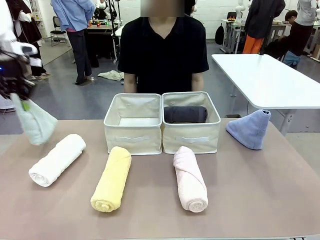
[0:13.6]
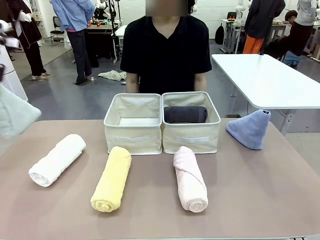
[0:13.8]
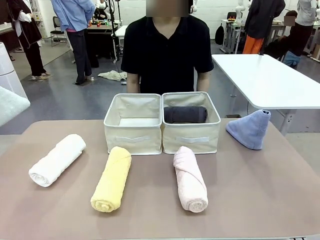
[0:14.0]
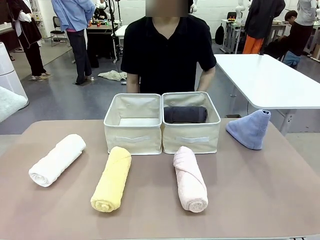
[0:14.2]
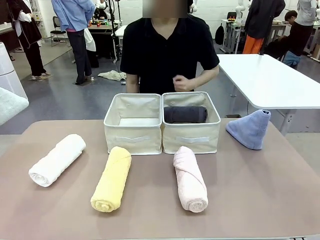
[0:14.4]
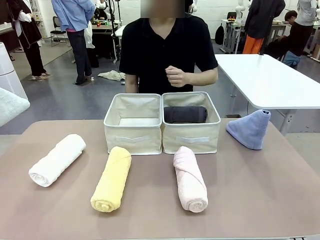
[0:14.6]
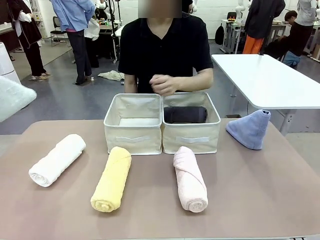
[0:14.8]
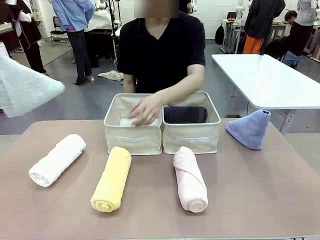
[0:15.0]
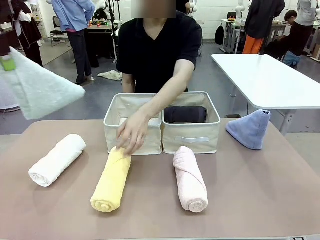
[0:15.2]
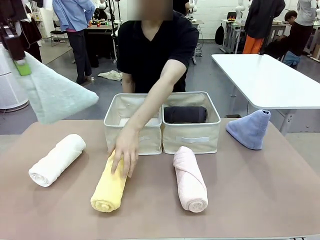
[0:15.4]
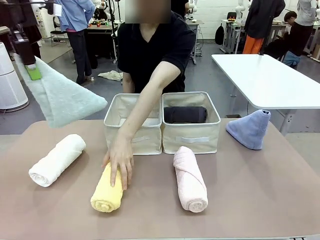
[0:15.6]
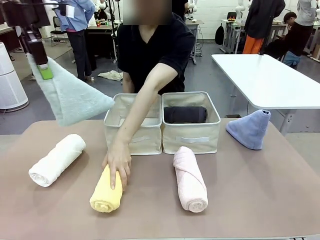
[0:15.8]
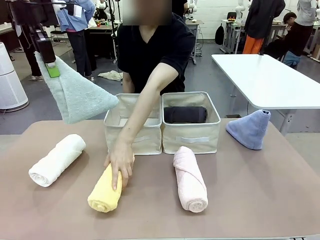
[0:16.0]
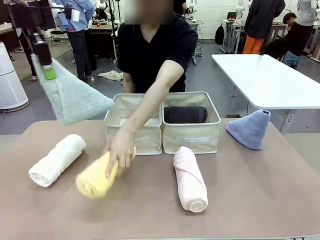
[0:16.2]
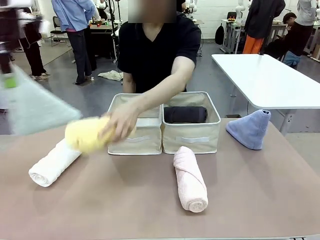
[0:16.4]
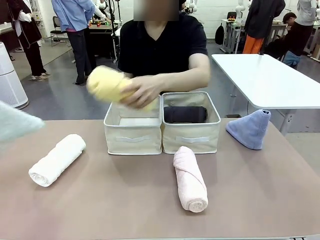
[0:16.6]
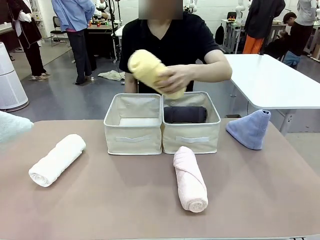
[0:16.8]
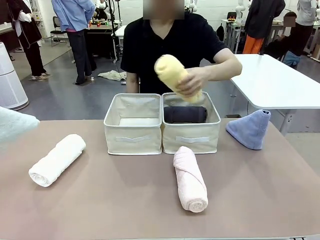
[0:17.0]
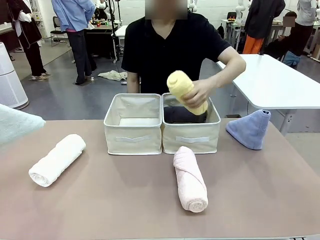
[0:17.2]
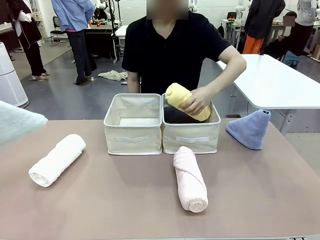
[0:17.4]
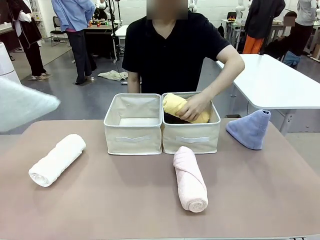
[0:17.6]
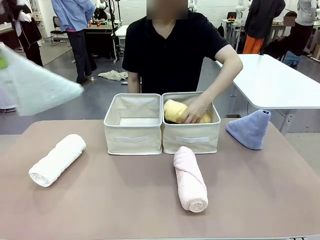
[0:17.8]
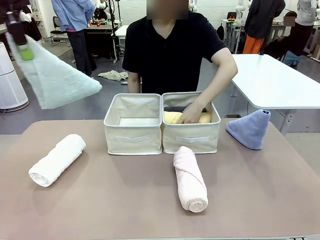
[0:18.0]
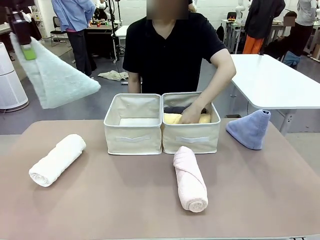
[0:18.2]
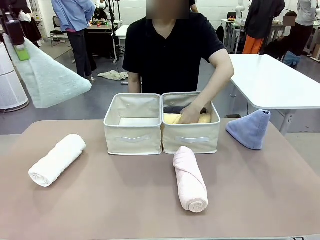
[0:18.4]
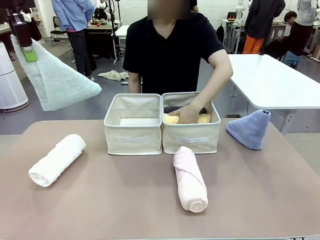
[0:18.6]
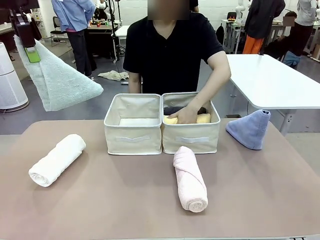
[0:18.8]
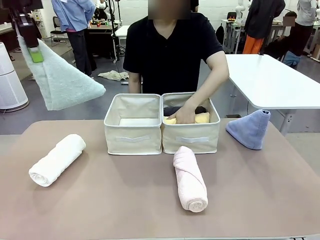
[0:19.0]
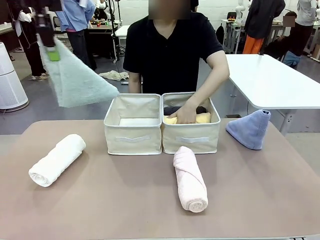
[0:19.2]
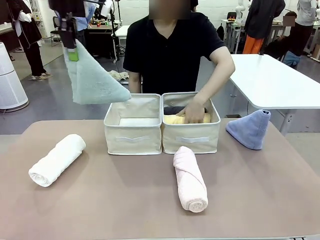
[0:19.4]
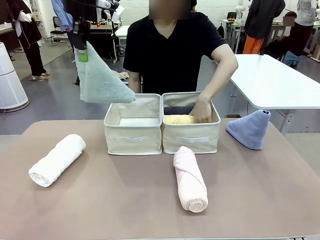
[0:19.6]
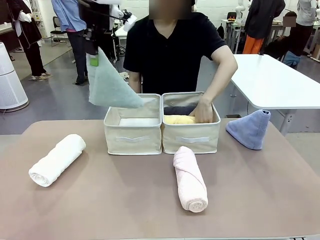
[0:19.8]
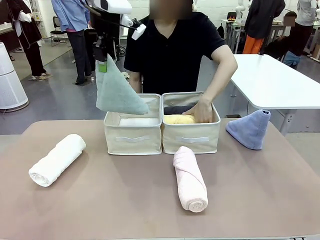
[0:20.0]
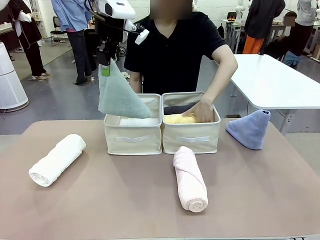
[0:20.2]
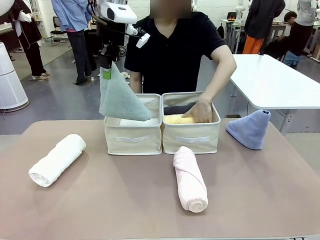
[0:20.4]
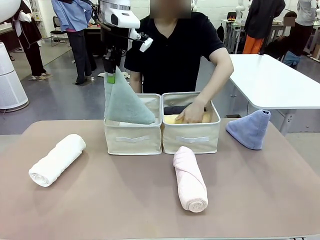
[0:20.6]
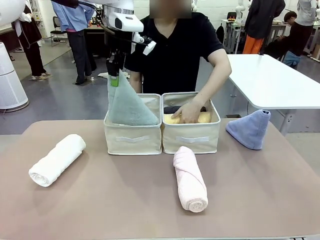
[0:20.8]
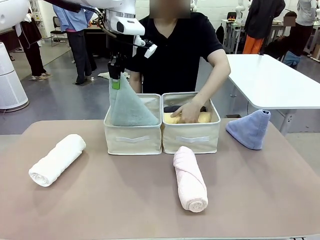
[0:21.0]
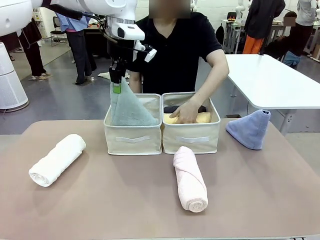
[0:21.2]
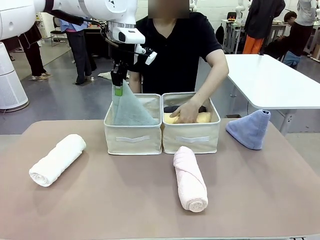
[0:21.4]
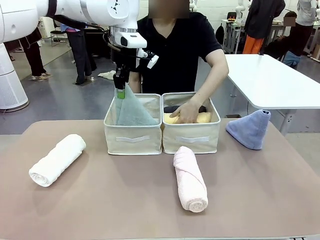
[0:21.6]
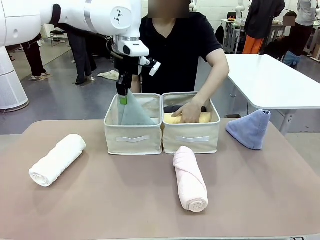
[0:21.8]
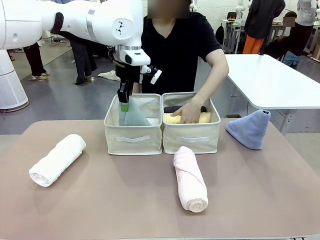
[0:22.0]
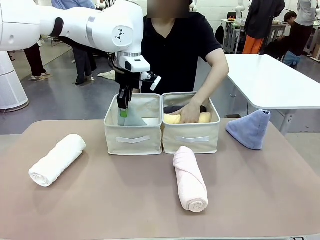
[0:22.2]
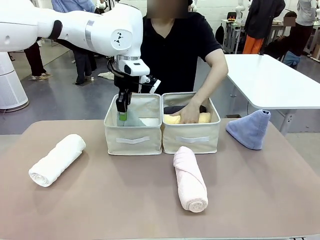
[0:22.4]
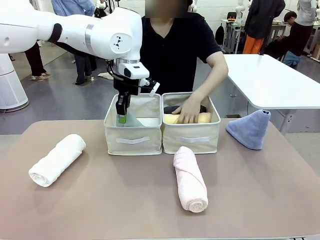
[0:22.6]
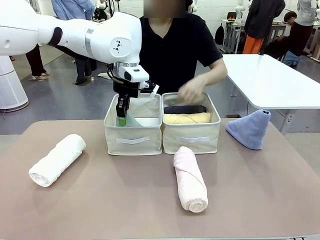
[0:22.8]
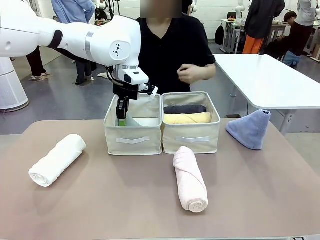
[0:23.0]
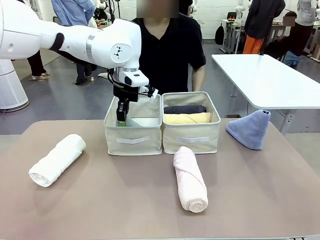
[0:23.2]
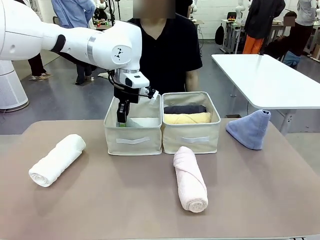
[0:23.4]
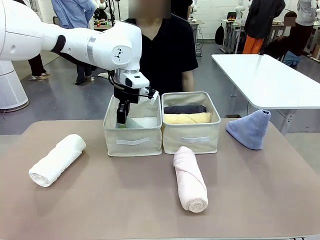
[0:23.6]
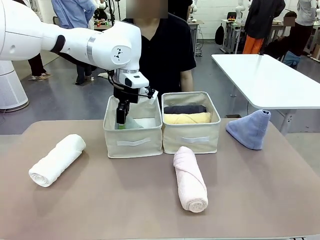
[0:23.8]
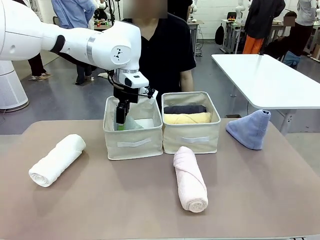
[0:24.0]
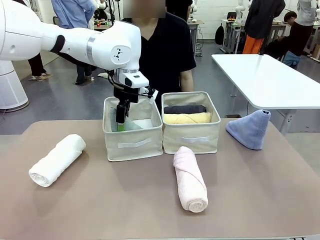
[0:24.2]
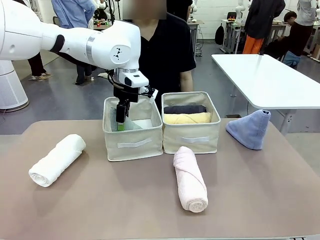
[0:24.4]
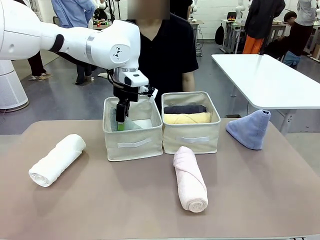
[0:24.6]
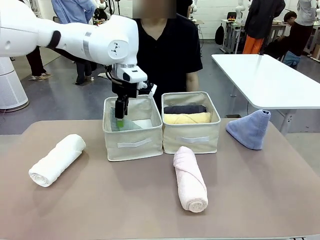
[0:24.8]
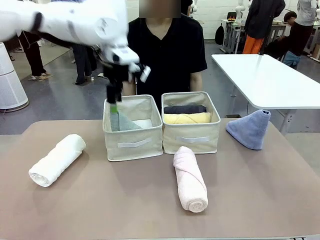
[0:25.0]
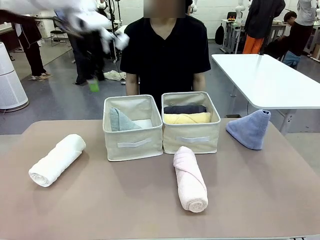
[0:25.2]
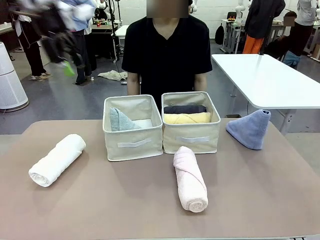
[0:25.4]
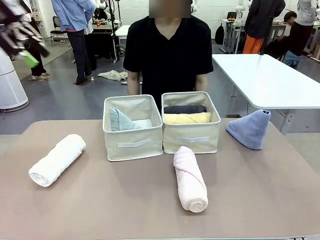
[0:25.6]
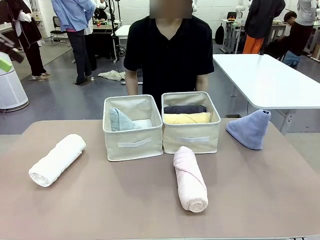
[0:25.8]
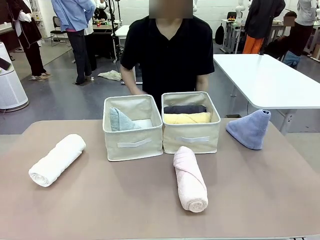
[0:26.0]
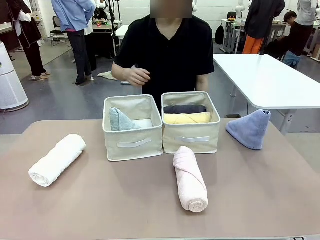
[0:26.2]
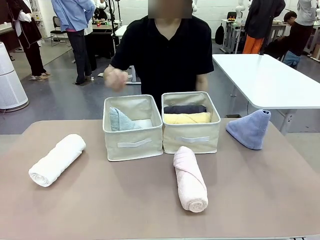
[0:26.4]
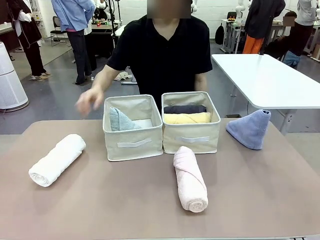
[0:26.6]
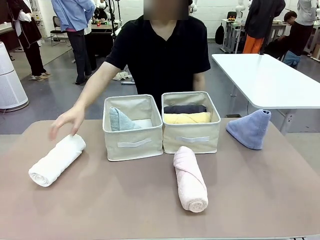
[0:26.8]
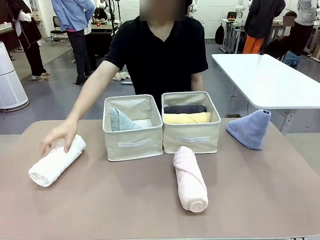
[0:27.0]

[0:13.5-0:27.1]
Task: Sort the towels based on their folding style.
Robot: Pick up one triangle-folded towel and place it in the left Fabric basket.
